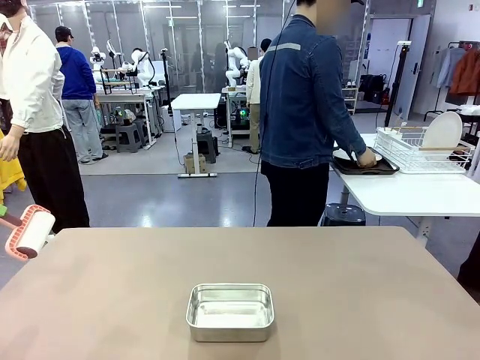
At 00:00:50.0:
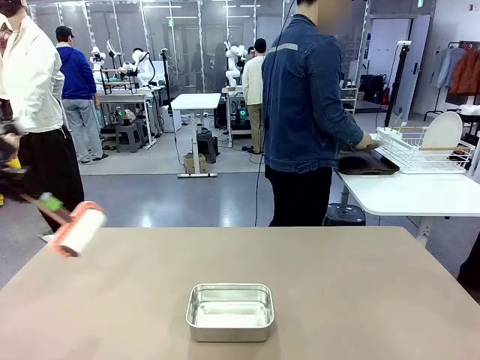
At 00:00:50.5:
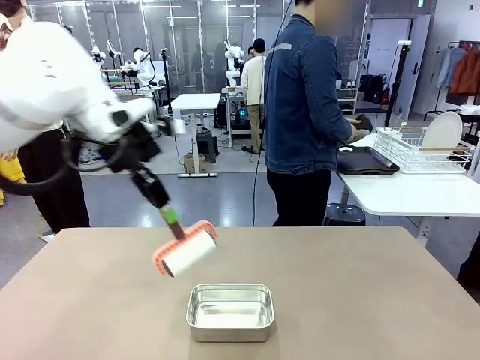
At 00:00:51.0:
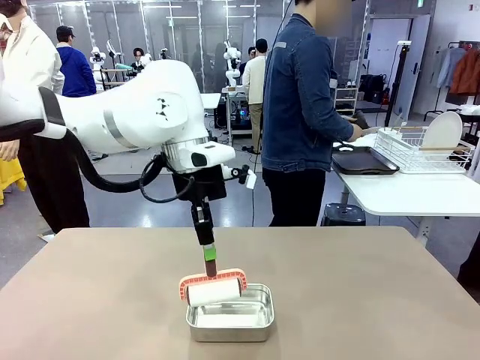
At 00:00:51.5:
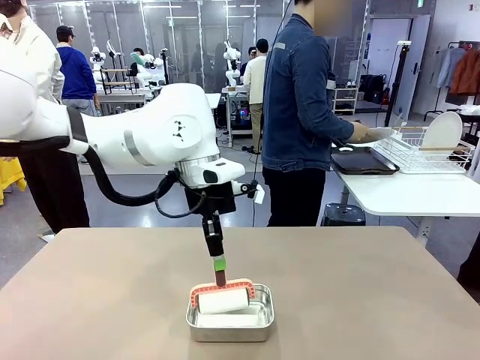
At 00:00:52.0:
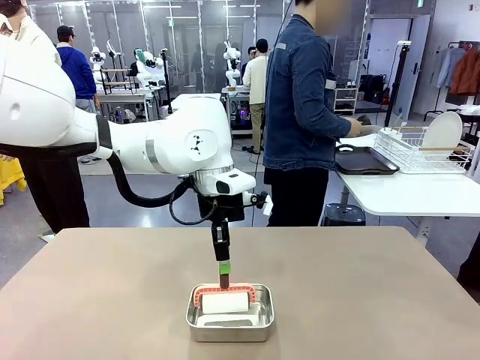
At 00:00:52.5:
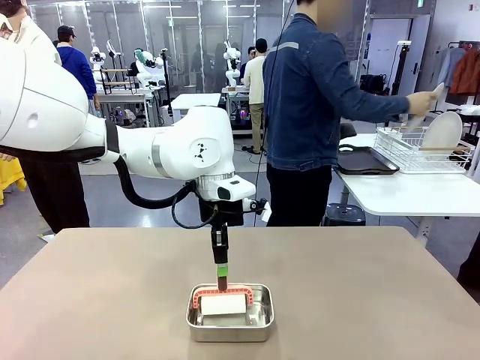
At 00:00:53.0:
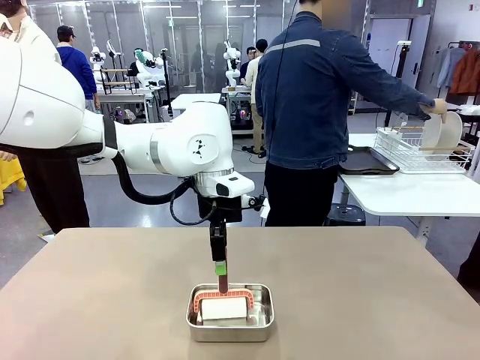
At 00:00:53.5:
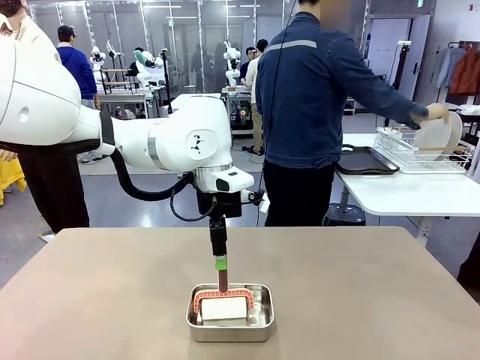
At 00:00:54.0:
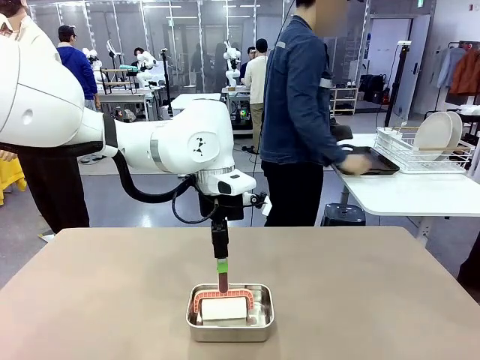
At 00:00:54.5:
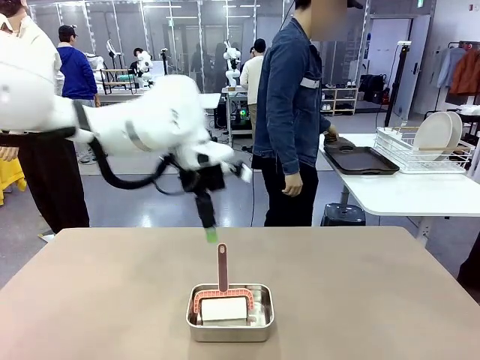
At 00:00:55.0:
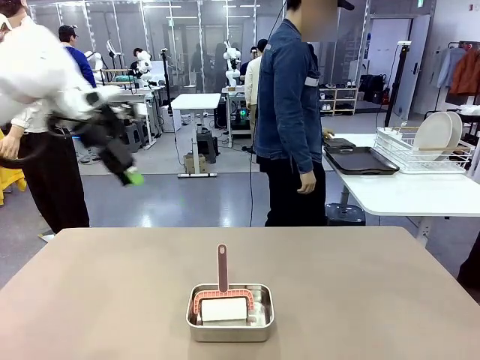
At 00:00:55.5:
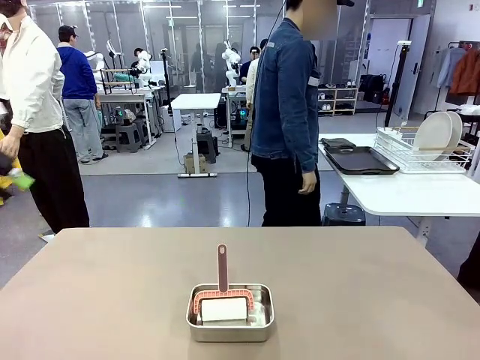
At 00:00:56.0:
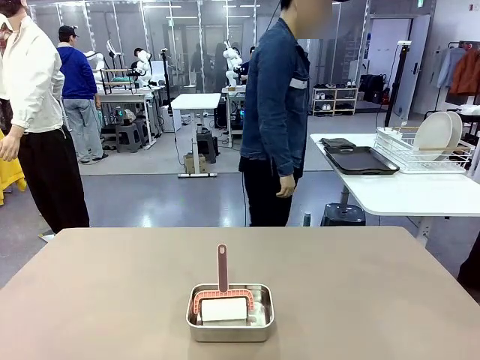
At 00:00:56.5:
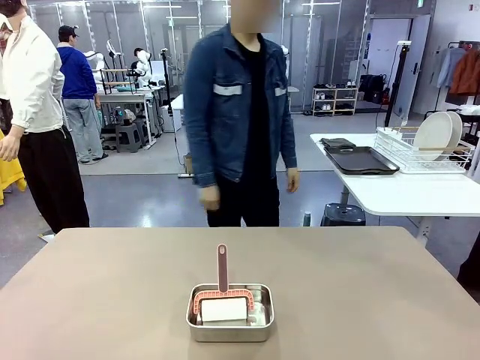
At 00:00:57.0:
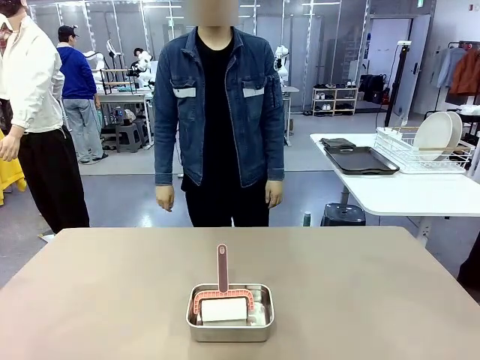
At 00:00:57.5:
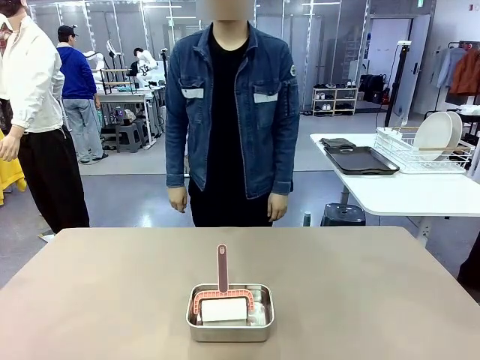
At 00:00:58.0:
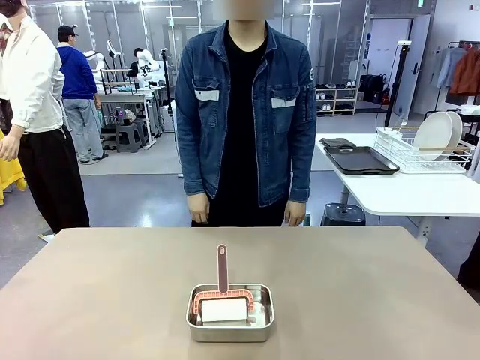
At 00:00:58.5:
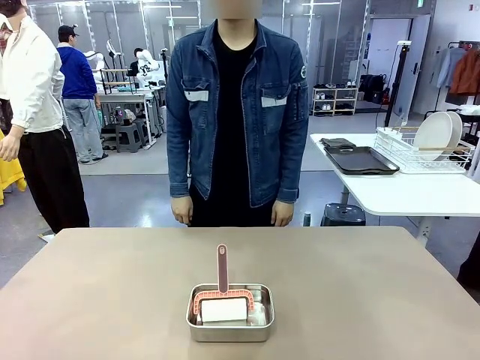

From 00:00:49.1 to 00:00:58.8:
Robot: Place the Lint Roller back on top of the Airtight Container.
Person: Use the Towel with hook to wipe the Plastic Matte Plate , Fork , and Knife and place into the Dish drying rack.

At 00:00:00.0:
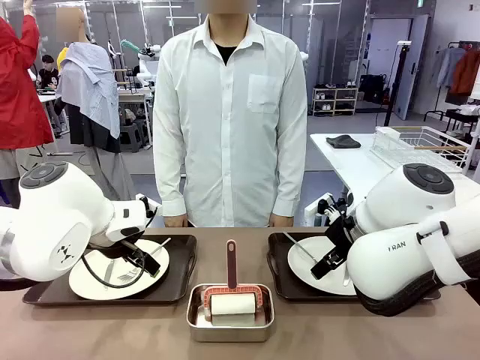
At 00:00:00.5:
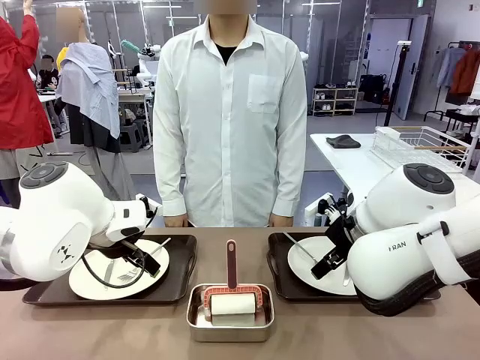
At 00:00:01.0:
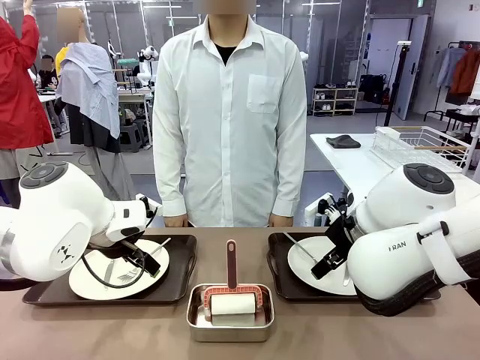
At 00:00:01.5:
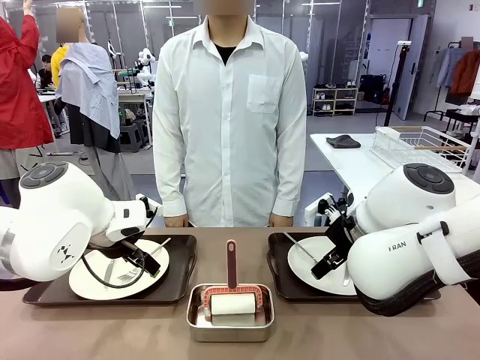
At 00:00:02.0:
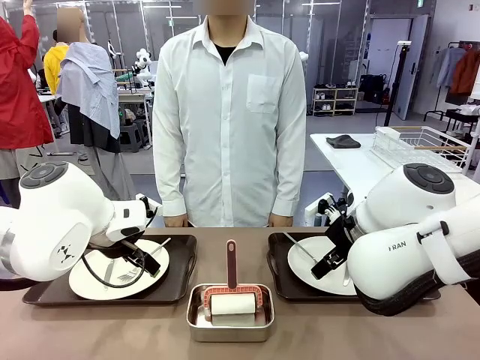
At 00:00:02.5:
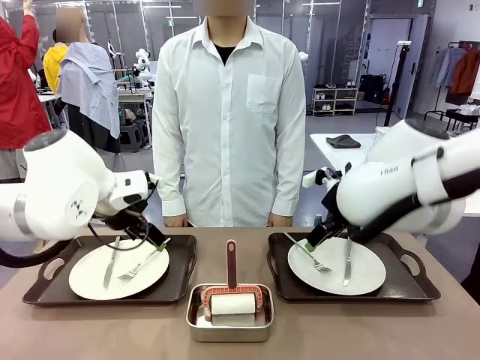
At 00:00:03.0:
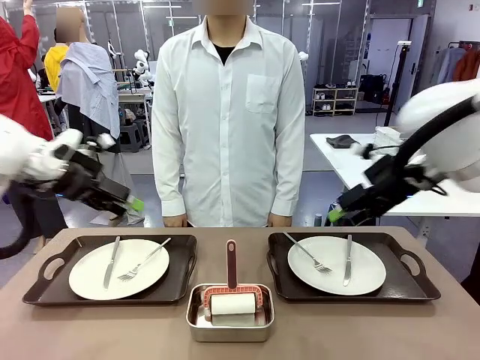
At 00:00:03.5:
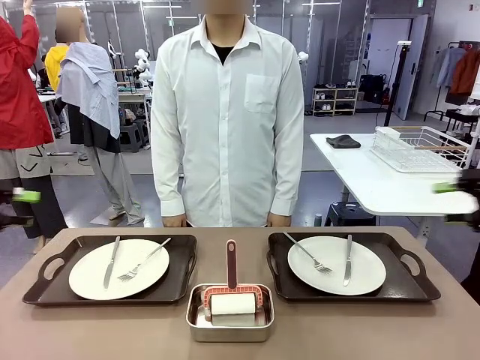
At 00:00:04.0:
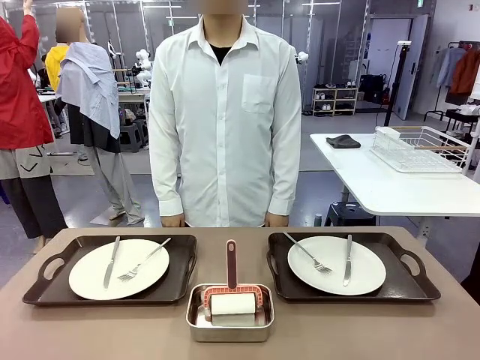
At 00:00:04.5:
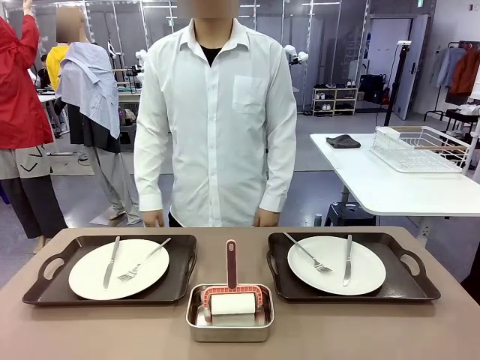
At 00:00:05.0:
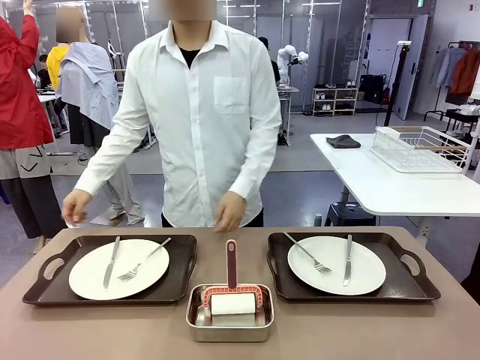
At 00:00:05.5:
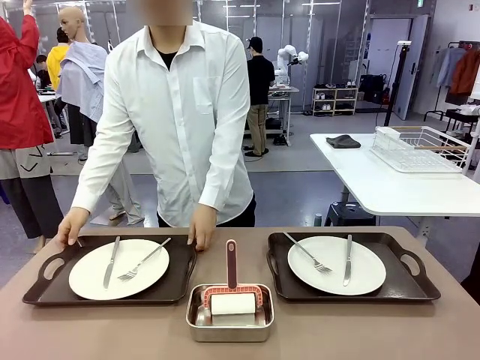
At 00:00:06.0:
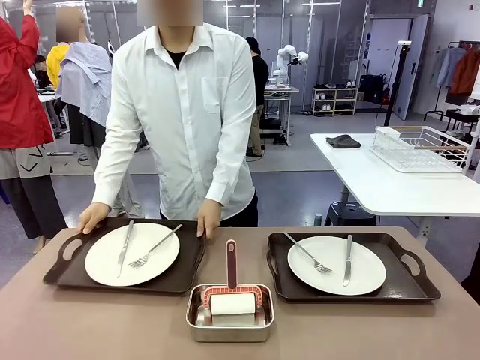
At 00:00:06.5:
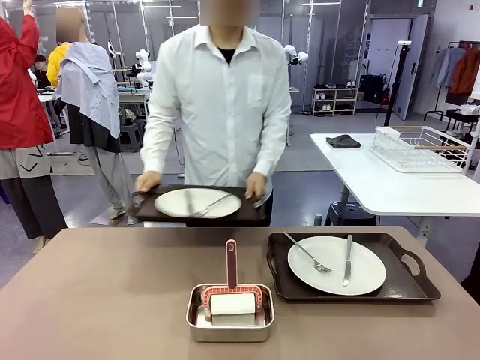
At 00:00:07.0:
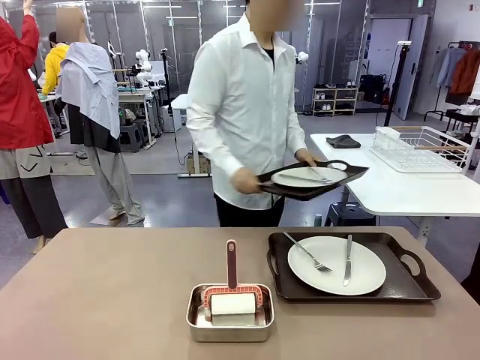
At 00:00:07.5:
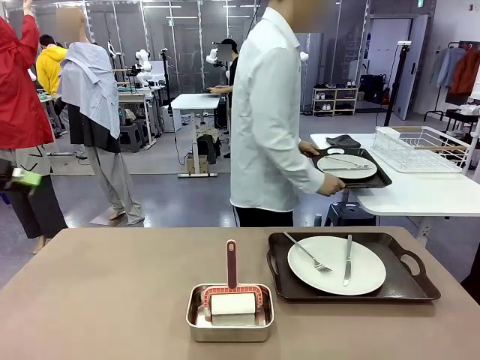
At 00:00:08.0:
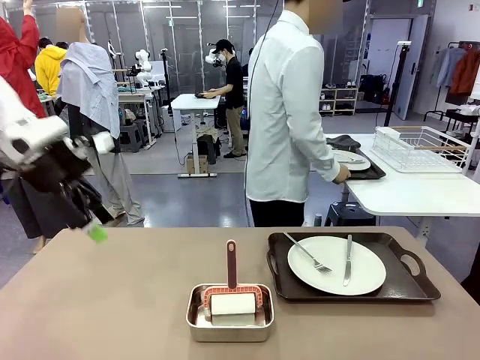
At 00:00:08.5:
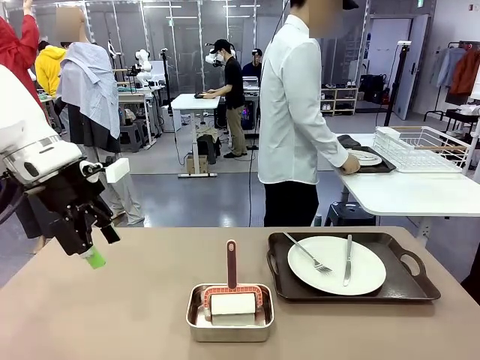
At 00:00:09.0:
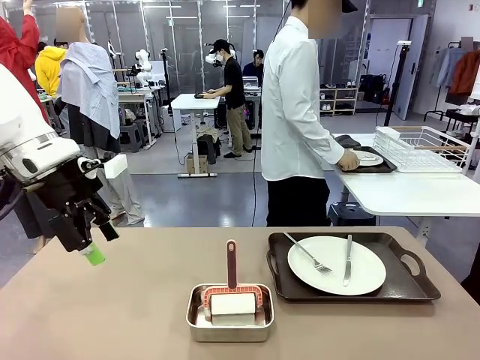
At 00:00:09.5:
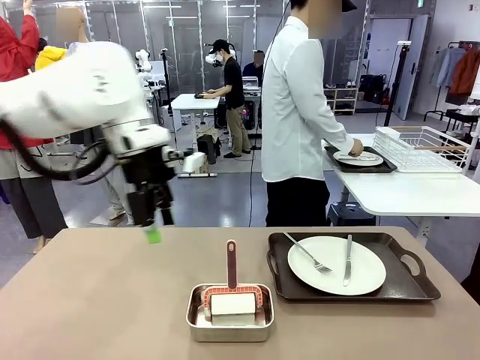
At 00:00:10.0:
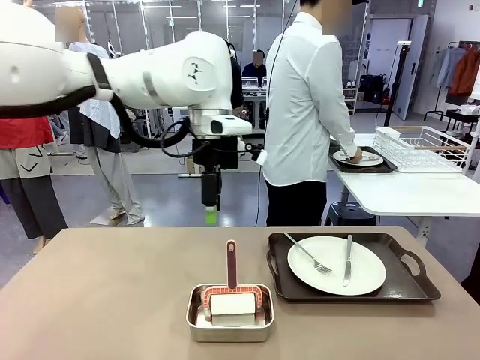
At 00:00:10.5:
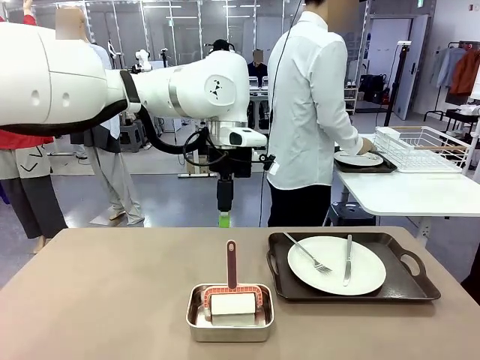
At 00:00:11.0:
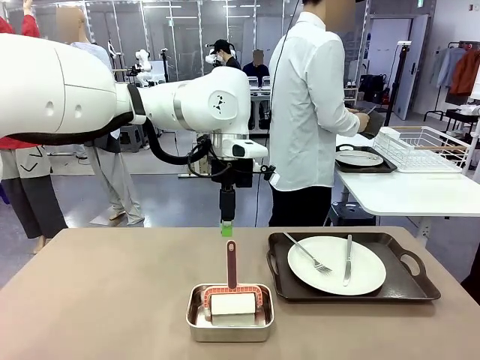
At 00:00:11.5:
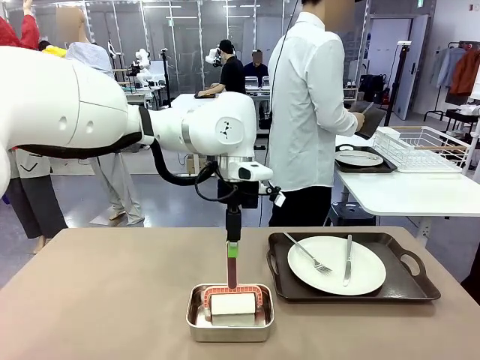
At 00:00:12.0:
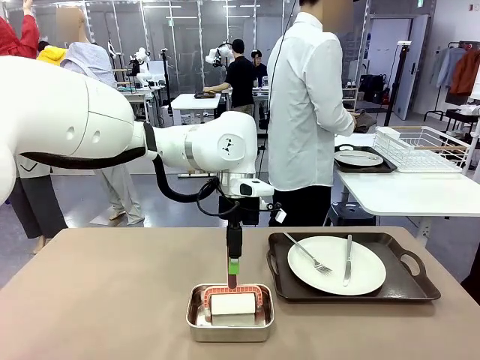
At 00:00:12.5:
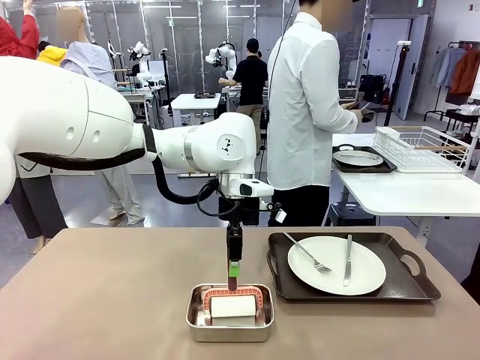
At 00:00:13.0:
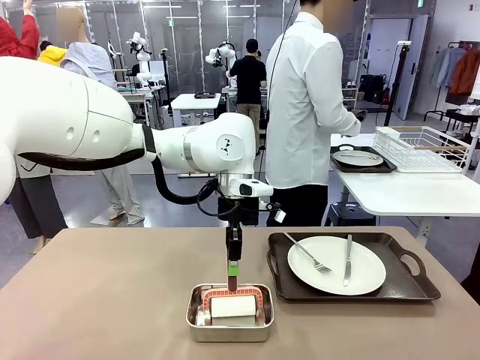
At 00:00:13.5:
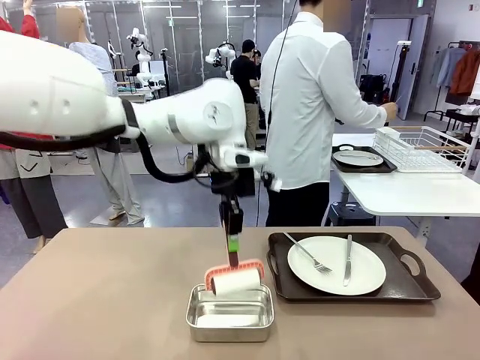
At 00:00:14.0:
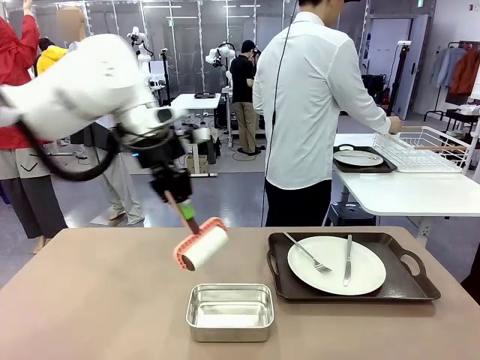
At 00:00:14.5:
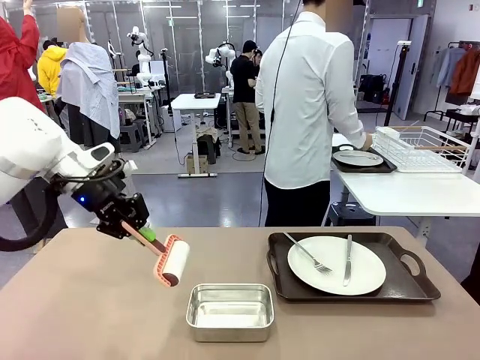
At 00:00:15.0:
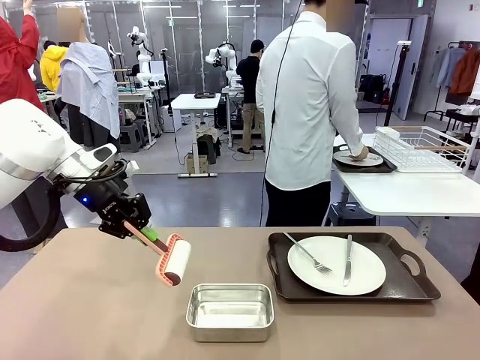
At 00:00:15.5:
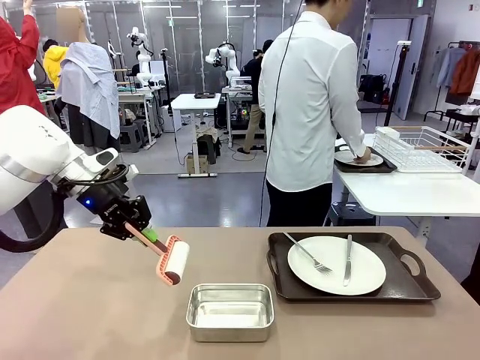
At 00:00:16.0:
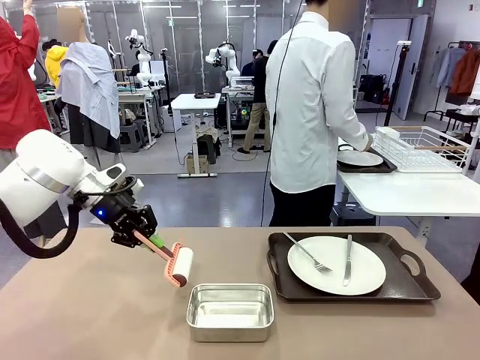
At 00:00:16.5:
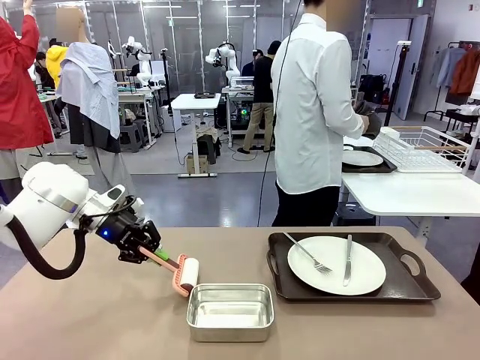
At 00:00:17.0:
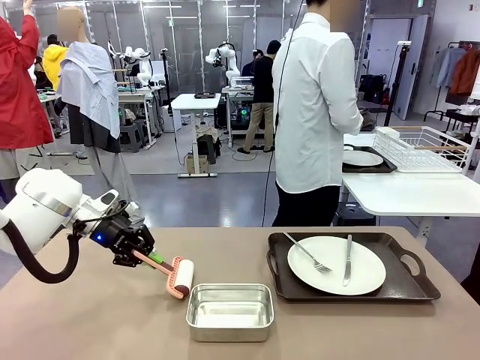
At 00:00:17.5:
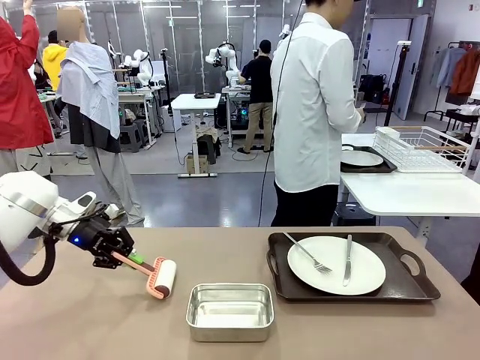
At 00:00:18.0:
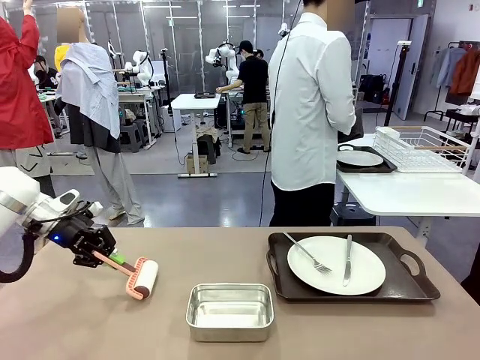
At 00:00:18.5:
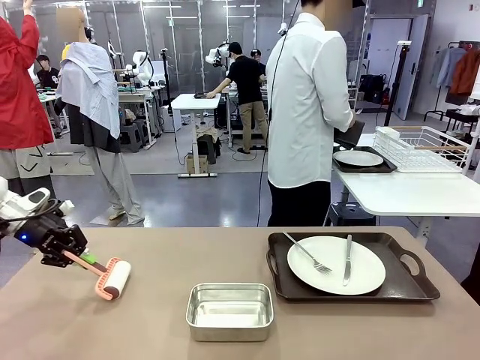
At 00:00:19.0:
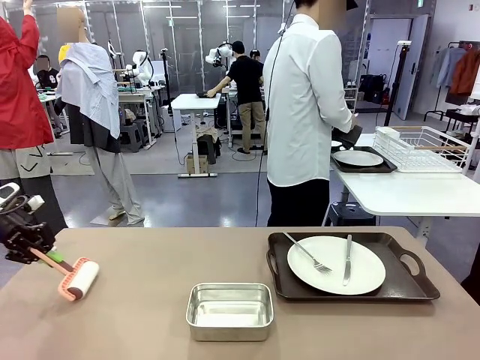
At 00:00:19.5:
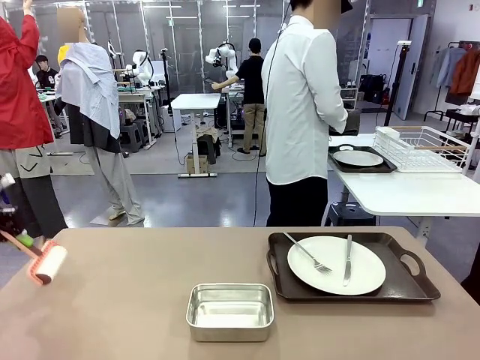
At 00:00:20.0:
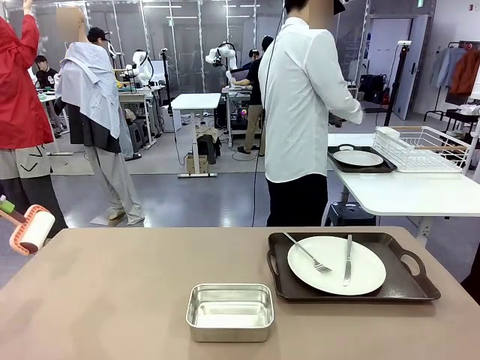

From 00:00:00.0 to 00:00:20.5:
Robot: When the left (or right) Handle tray is removed, use the left hand (or right hand) to clean the left (or right) side of the table with the Lint Roller.
Person: Pick up the left (or right) Handle tray and place it on the middle of the Human's table. Use the Towel with hook to wipe the Plastic Matte Plate , Fork , and Knife and place into the Dish drying rack.
